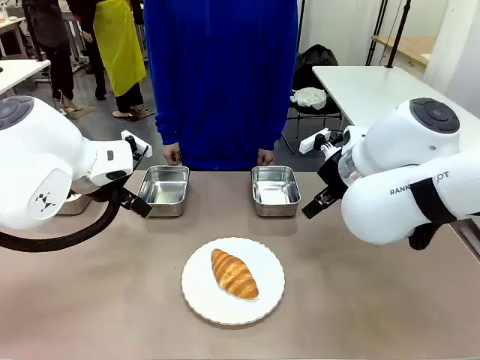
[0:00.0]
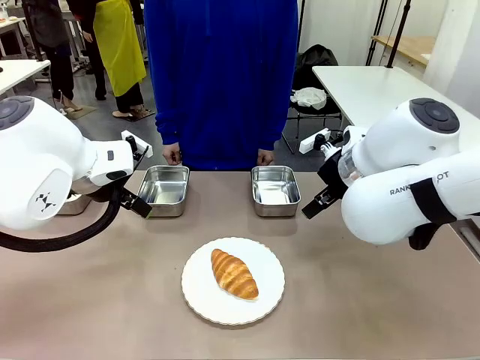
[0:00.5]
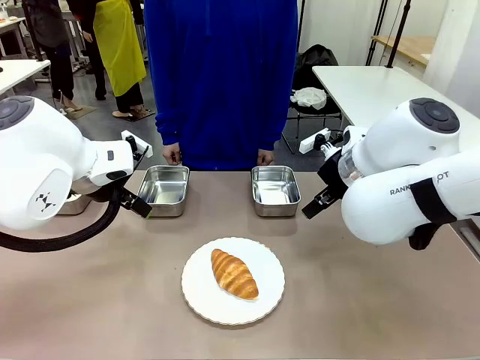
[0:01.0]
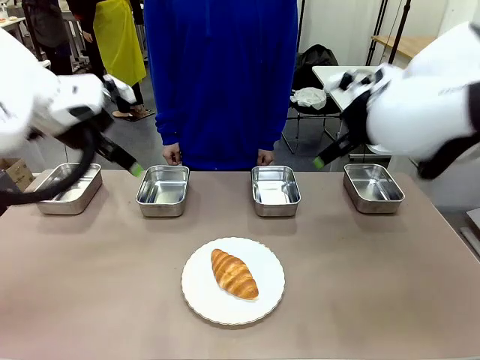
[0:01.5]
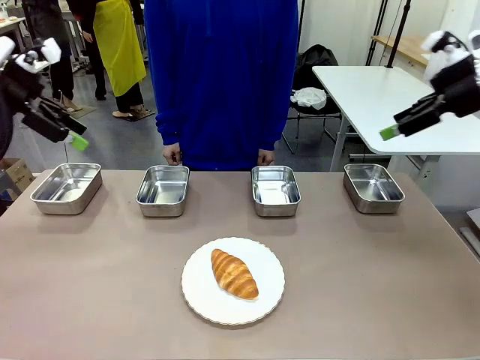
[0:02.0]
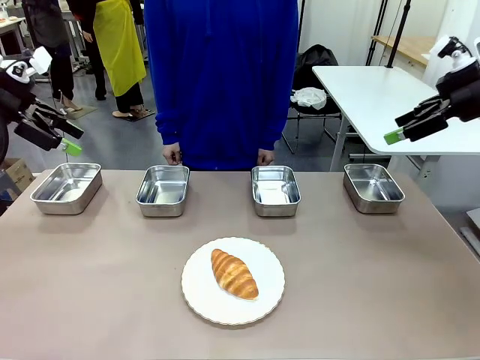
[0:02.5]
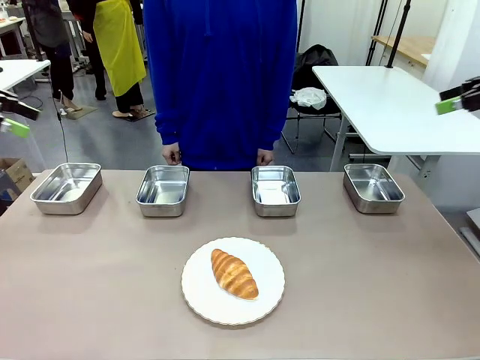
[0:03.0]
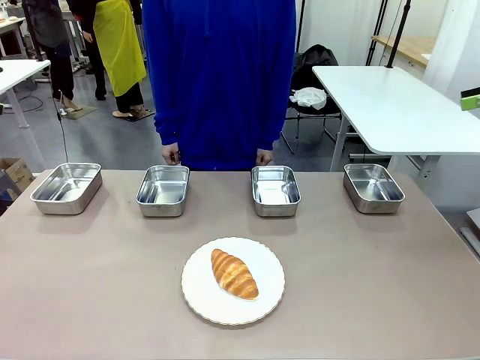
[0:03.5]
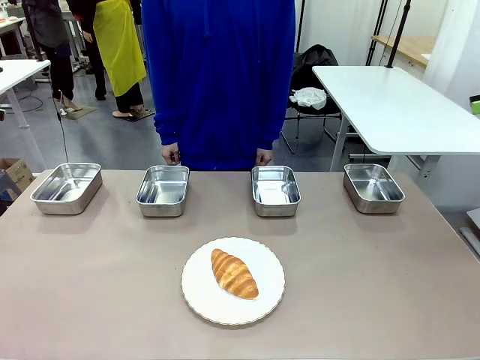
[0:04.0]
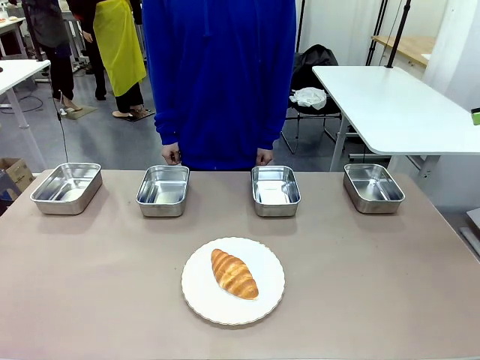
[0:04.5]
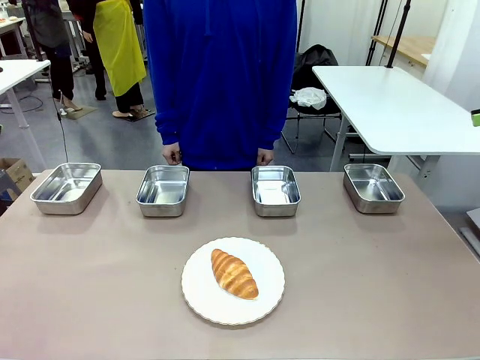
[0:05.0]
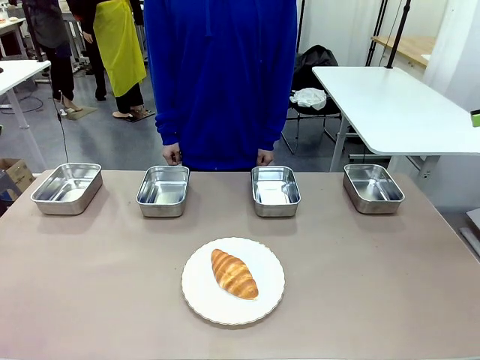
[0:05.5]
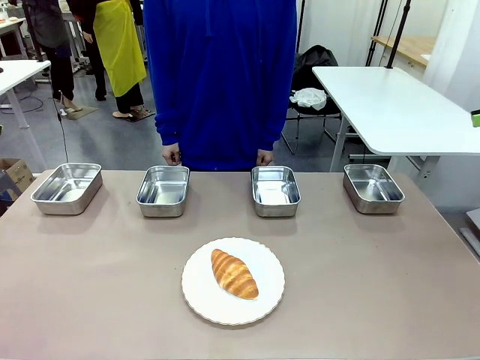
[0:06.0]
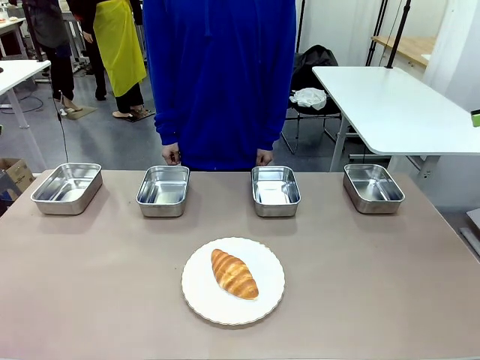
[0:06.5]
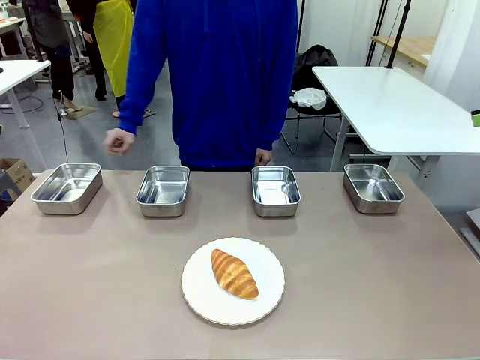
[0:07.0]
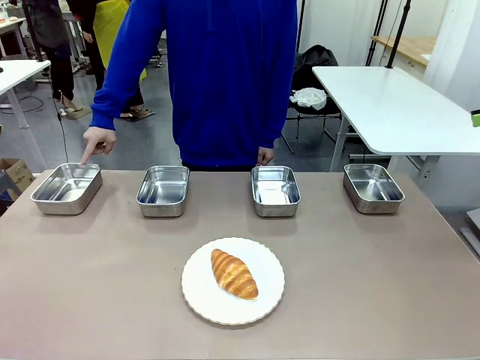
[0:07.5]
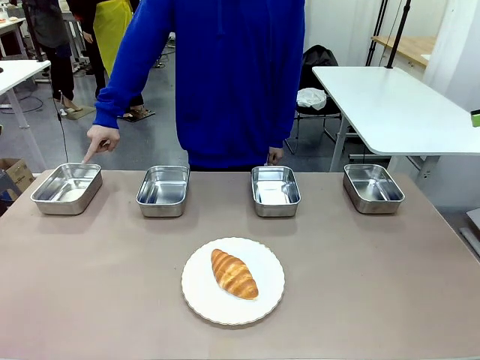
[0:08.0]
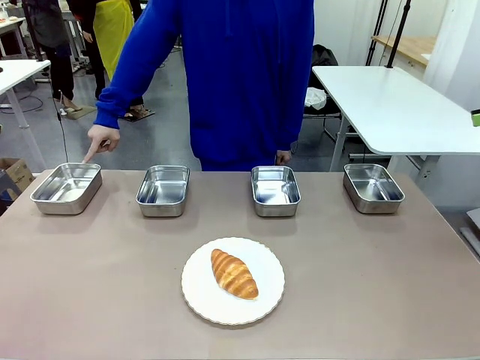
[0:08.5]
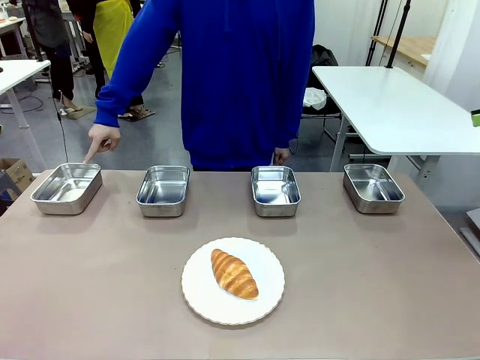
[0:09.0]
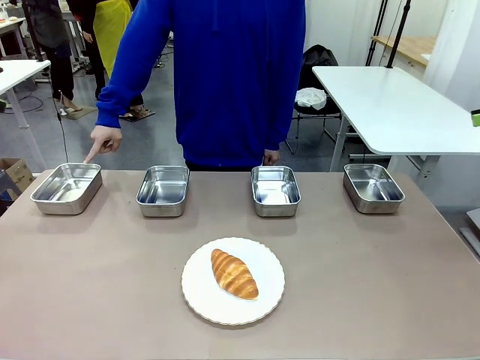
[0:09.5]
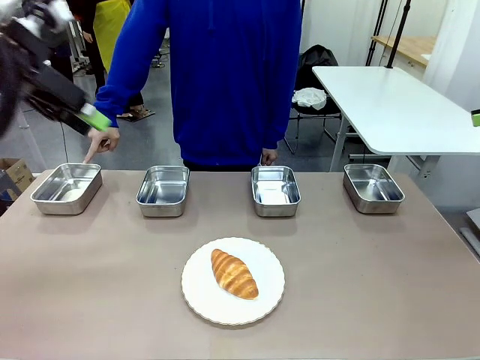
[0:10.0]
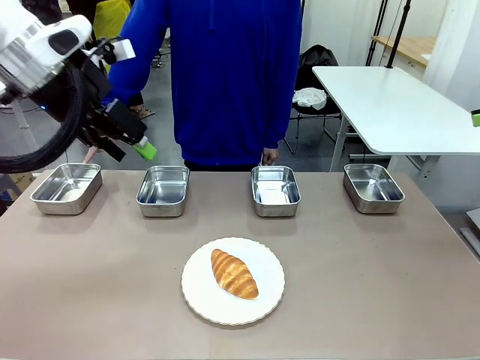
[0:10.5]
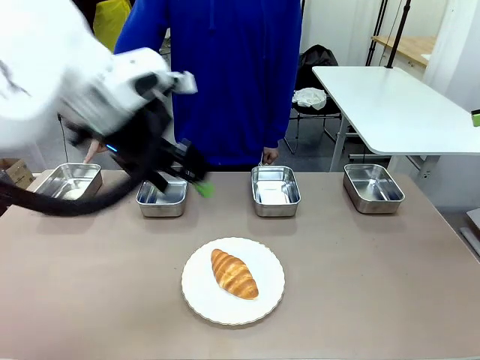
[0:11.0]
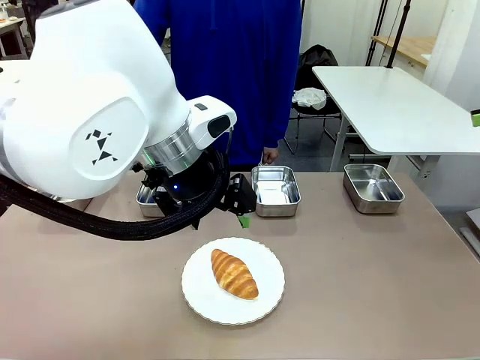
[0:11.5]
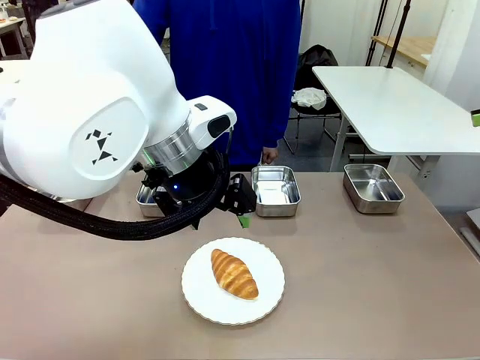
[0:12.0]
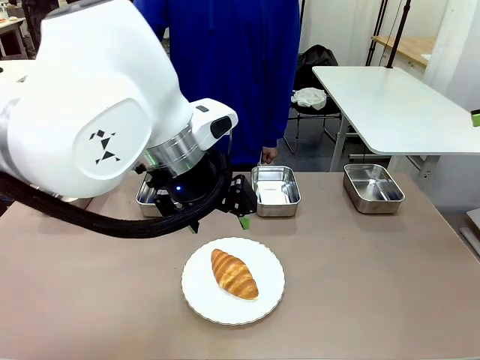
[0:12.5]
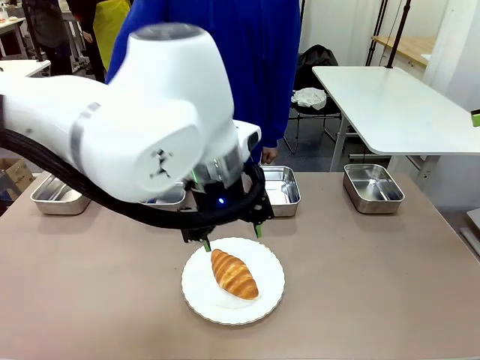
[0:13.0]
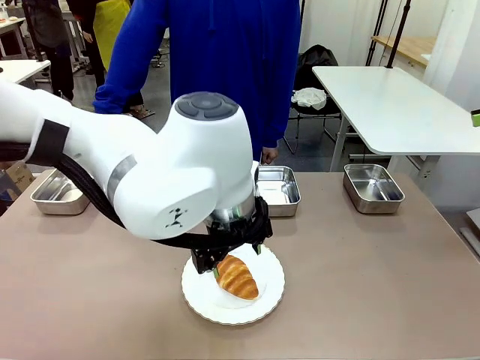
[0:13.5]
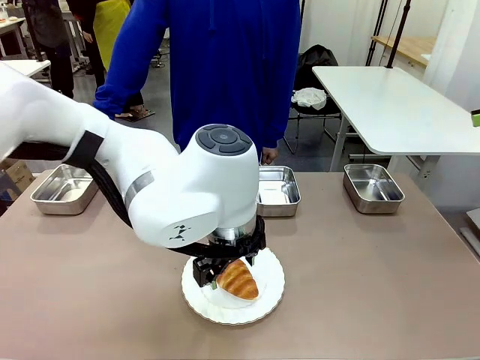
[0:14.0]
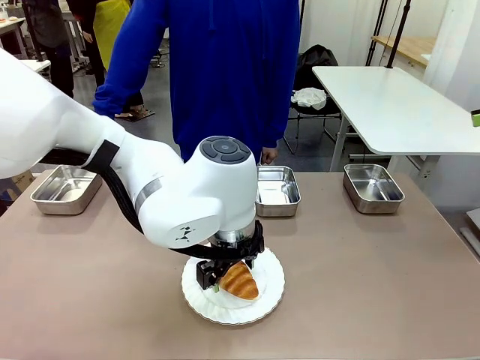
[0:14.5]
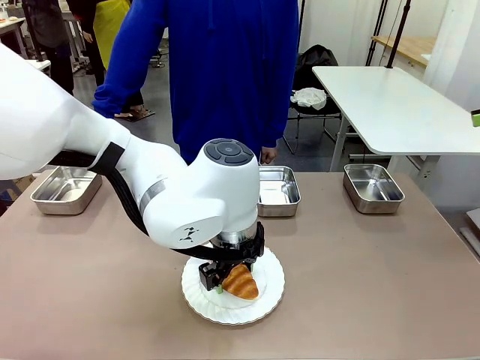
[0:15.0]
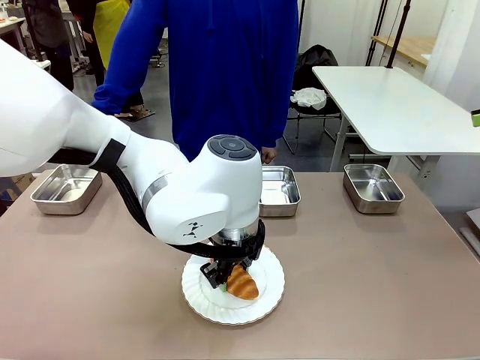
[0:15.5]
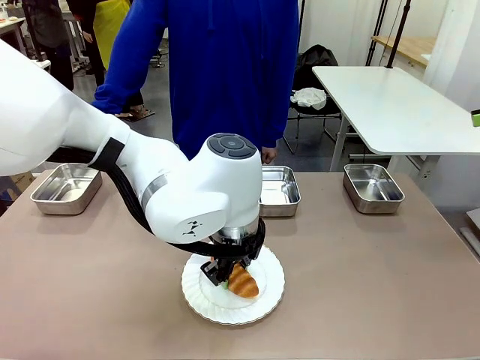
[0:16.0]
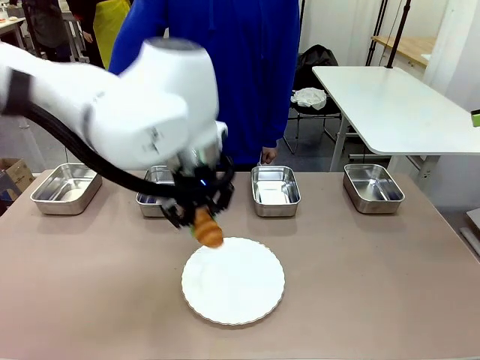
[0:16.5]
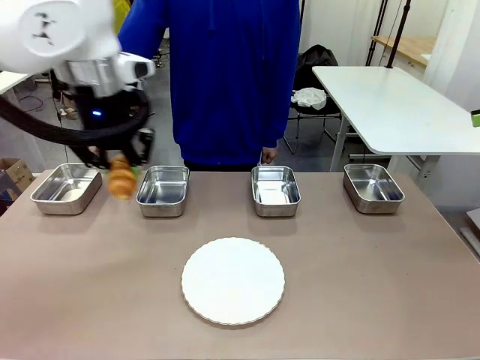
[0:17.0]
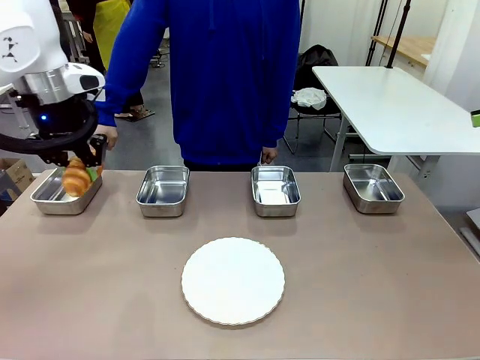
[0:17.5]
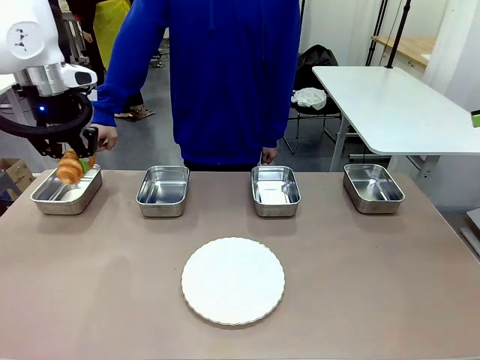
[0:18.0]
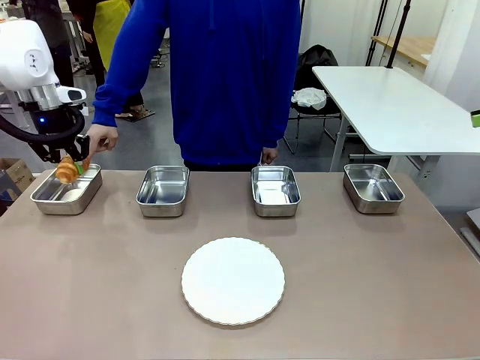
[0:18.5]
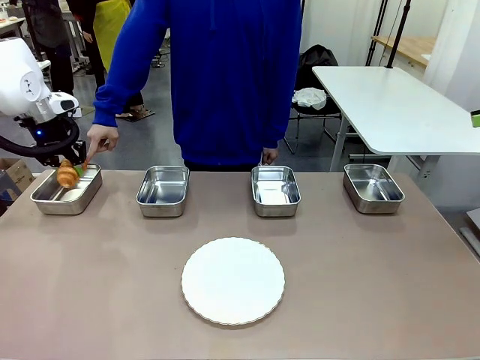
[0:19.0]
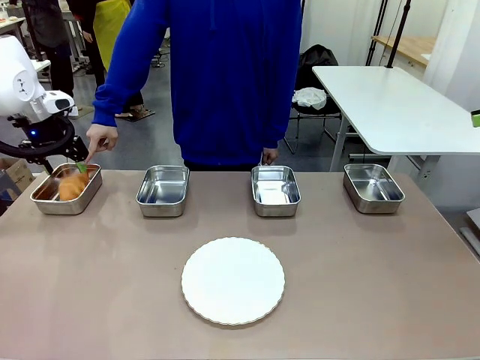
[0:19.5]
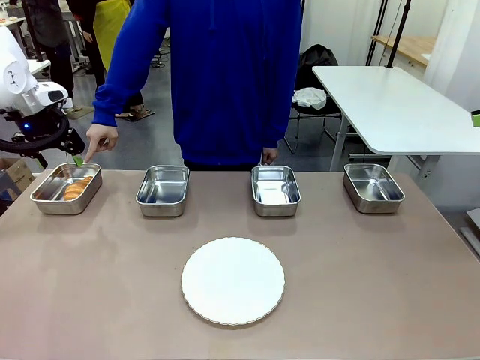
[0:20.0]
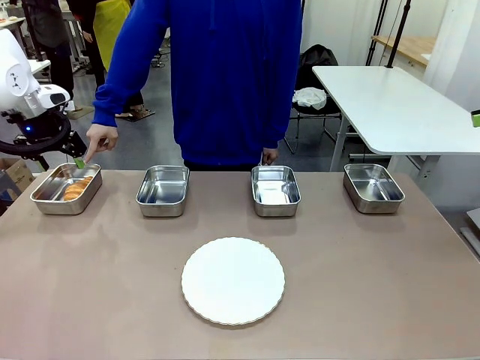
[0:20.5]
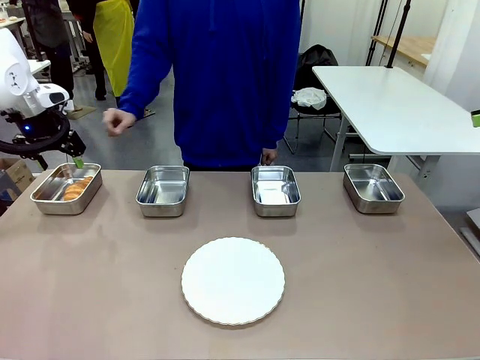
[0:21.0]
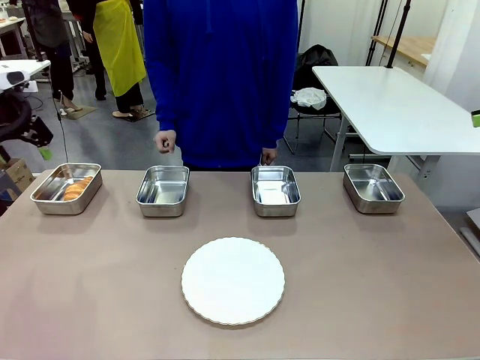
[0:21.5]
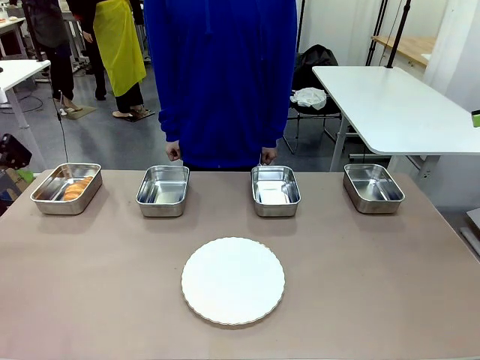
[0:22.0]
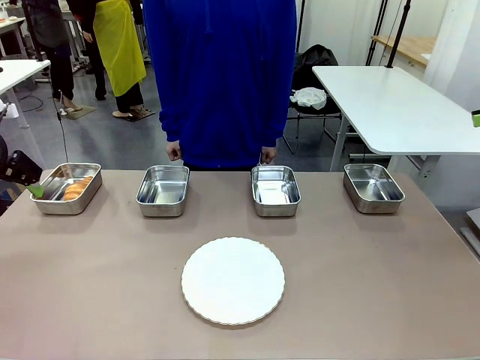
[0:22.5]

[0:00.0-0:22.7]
Task: Place the bread in the container.
Robot: Place the Butter Roll into the Airtight Container indicated by the human.
Person: A person randomly selects and points to an Airtight Container.
